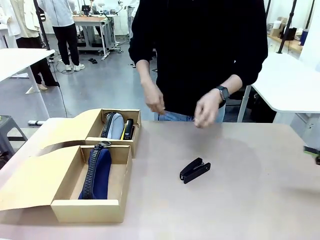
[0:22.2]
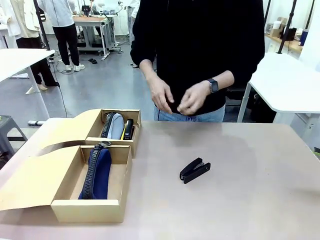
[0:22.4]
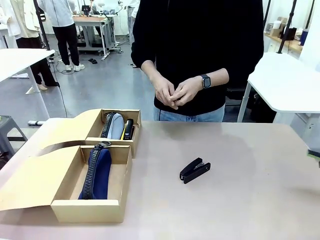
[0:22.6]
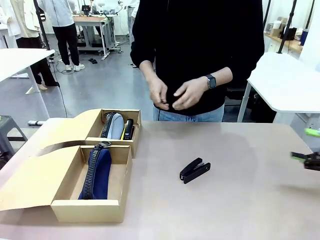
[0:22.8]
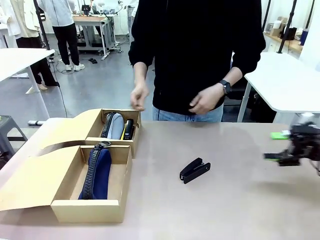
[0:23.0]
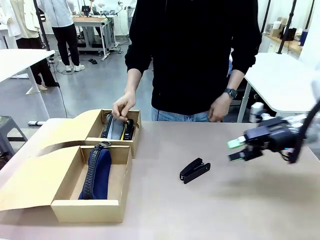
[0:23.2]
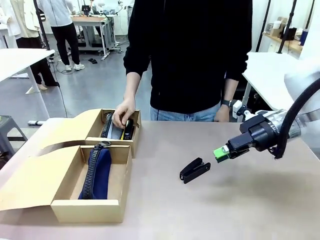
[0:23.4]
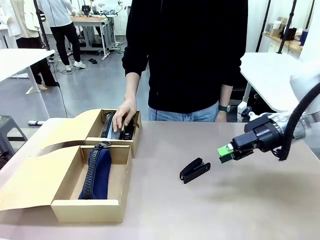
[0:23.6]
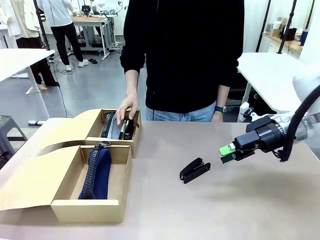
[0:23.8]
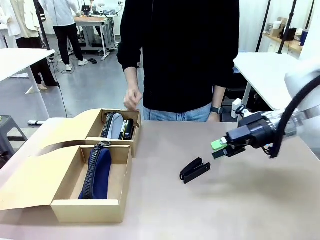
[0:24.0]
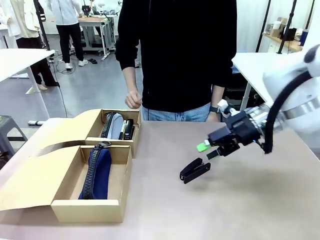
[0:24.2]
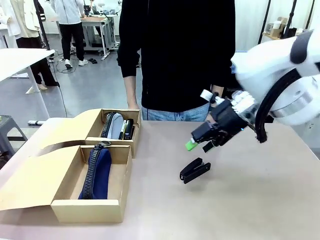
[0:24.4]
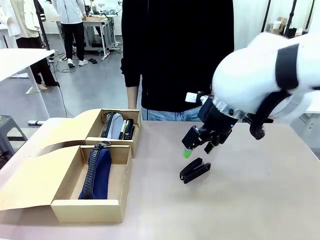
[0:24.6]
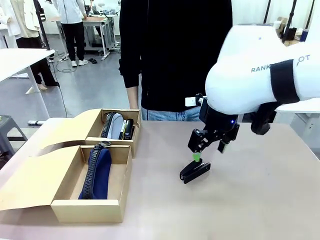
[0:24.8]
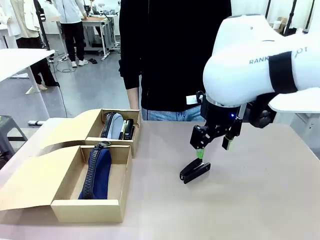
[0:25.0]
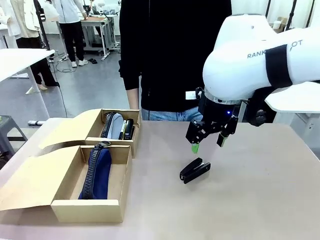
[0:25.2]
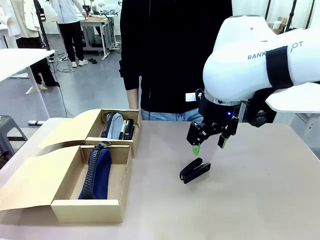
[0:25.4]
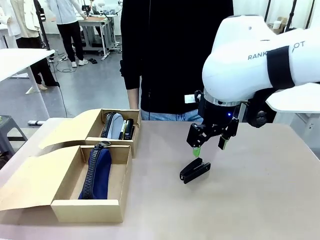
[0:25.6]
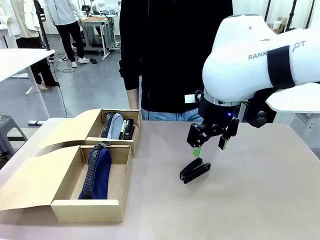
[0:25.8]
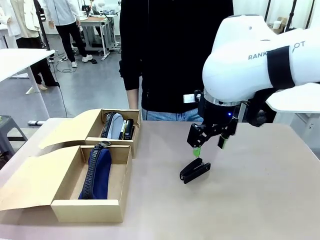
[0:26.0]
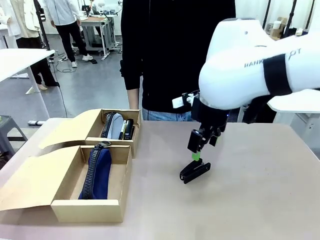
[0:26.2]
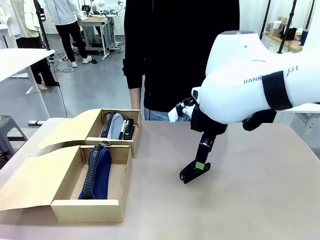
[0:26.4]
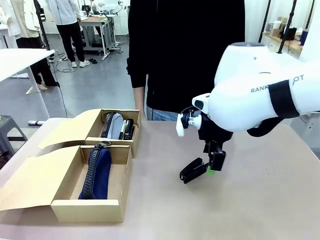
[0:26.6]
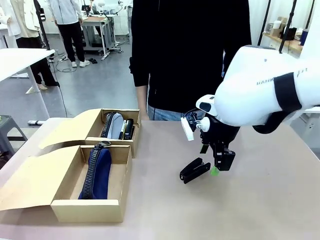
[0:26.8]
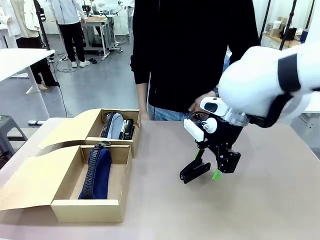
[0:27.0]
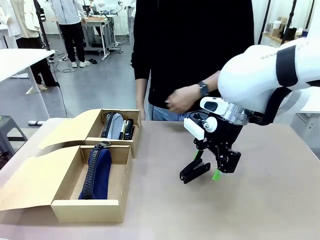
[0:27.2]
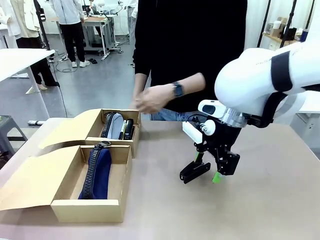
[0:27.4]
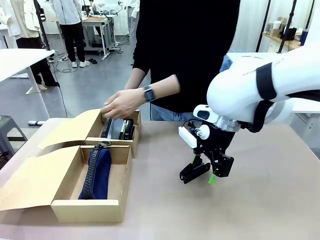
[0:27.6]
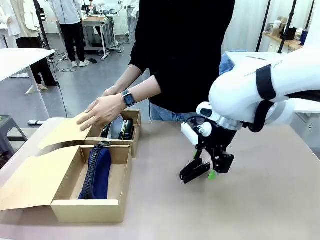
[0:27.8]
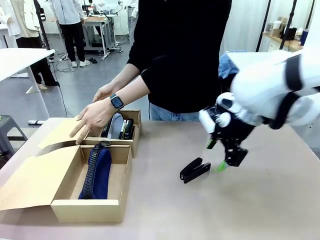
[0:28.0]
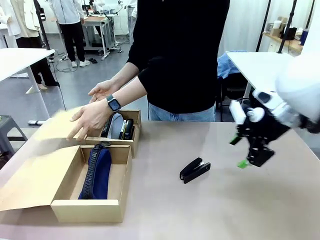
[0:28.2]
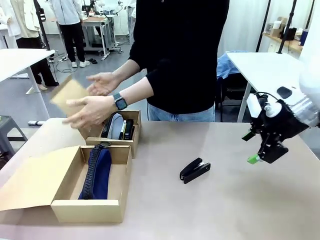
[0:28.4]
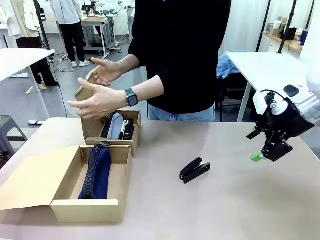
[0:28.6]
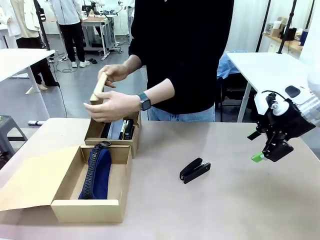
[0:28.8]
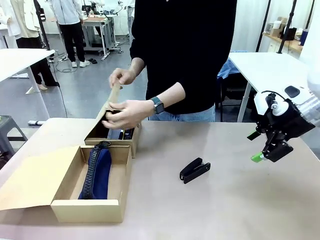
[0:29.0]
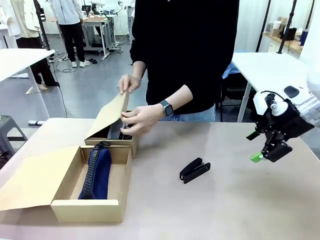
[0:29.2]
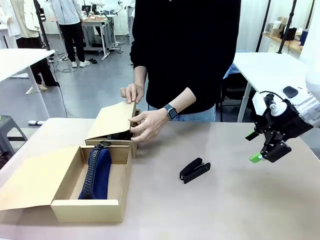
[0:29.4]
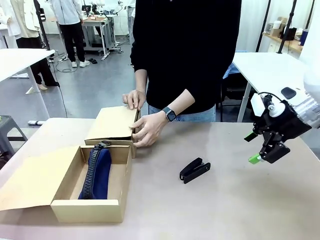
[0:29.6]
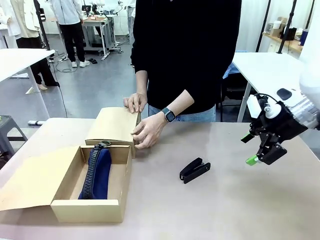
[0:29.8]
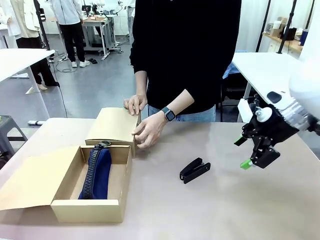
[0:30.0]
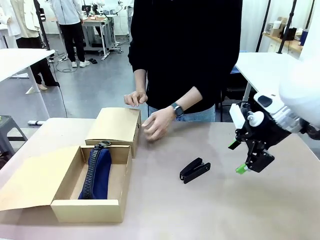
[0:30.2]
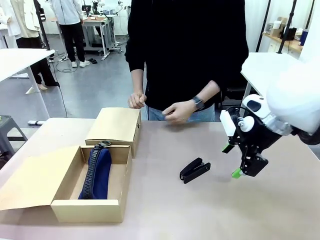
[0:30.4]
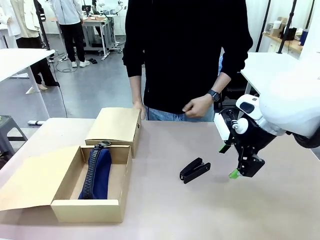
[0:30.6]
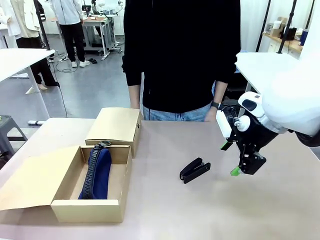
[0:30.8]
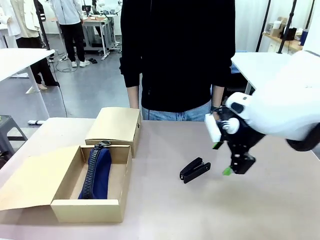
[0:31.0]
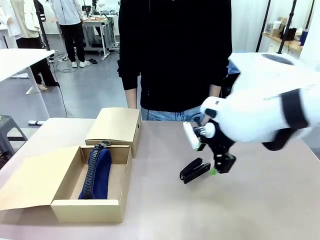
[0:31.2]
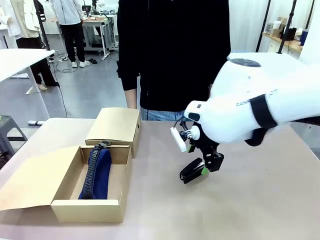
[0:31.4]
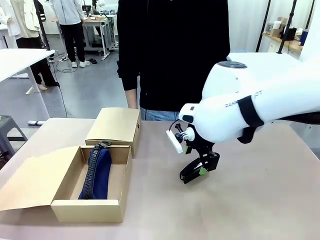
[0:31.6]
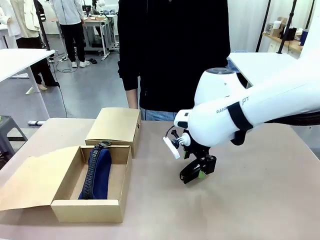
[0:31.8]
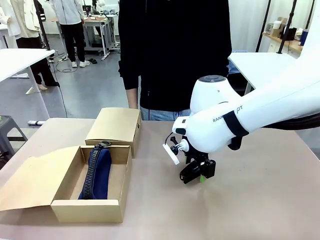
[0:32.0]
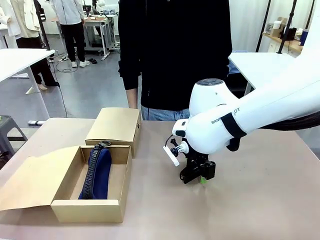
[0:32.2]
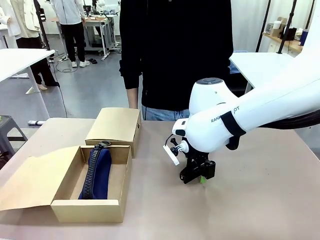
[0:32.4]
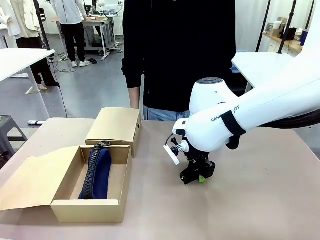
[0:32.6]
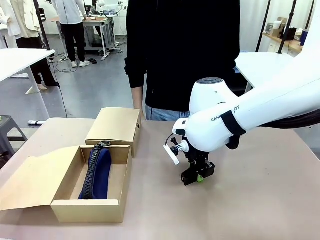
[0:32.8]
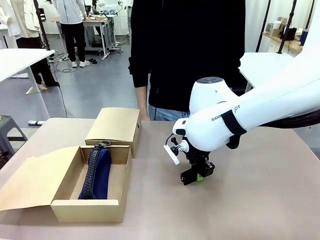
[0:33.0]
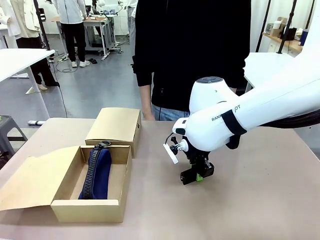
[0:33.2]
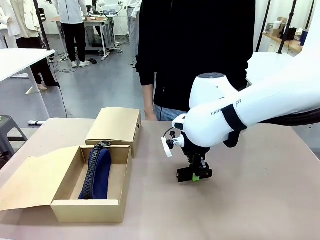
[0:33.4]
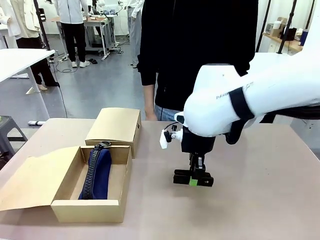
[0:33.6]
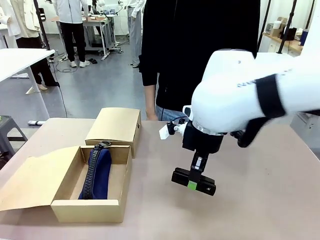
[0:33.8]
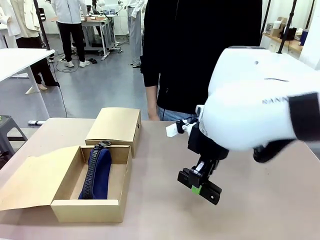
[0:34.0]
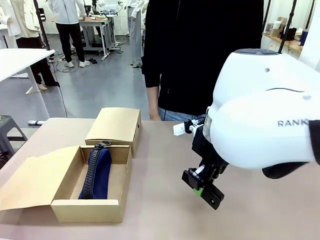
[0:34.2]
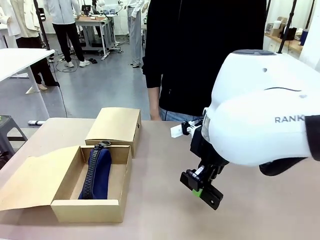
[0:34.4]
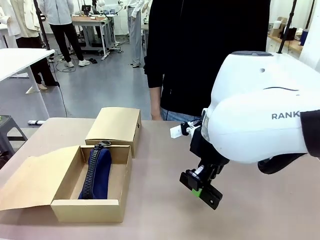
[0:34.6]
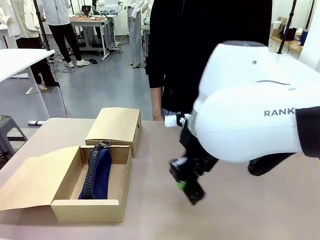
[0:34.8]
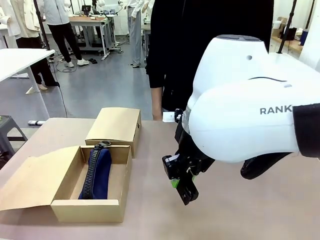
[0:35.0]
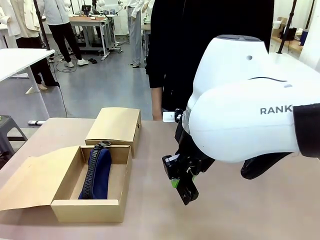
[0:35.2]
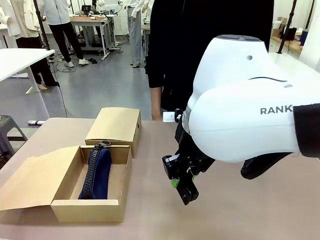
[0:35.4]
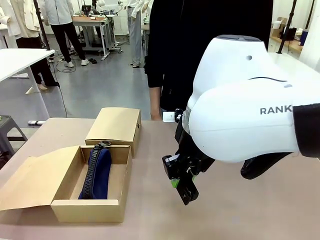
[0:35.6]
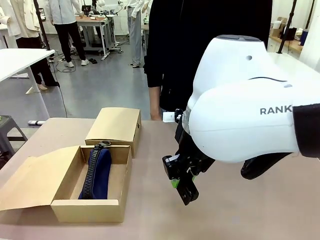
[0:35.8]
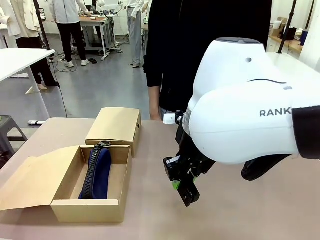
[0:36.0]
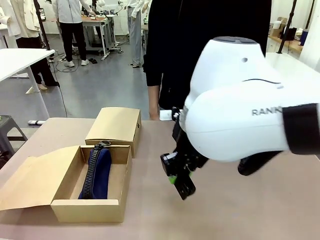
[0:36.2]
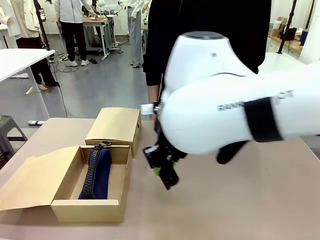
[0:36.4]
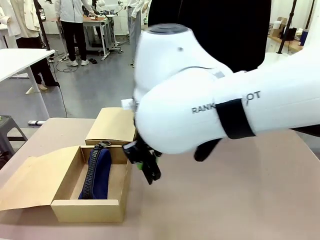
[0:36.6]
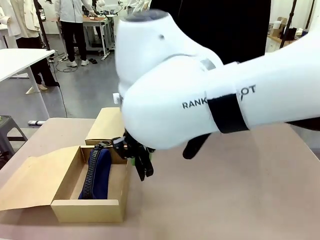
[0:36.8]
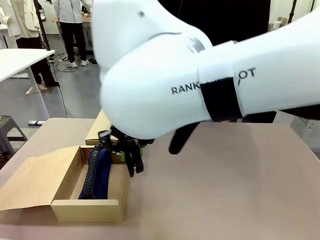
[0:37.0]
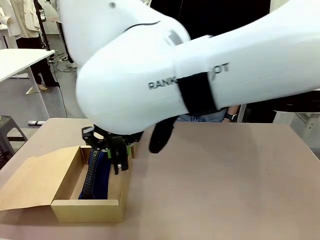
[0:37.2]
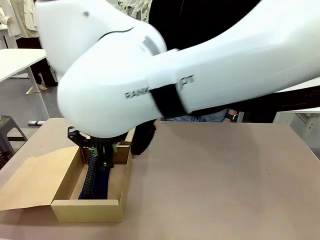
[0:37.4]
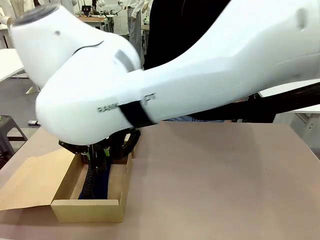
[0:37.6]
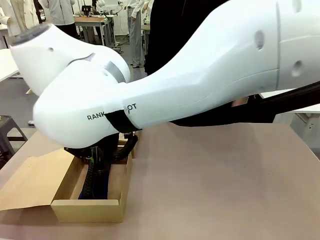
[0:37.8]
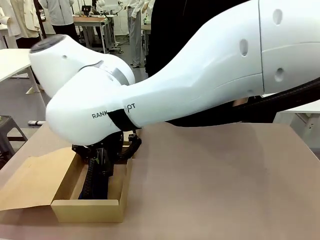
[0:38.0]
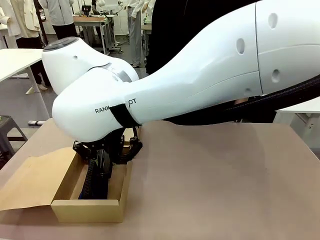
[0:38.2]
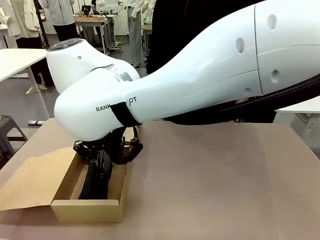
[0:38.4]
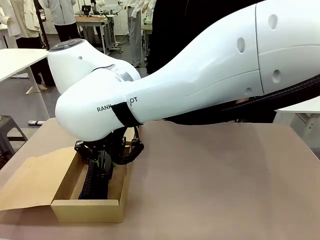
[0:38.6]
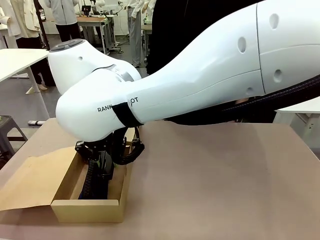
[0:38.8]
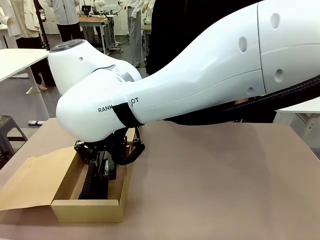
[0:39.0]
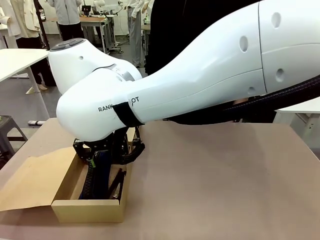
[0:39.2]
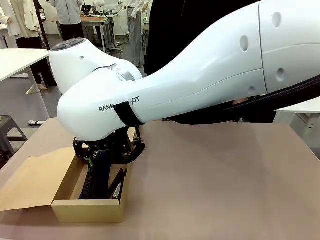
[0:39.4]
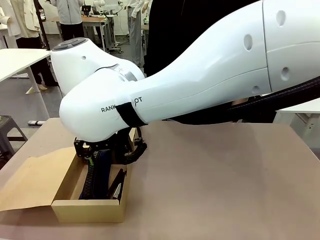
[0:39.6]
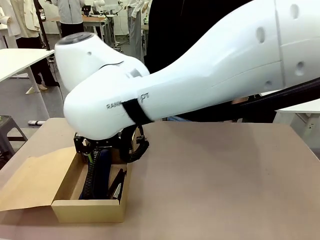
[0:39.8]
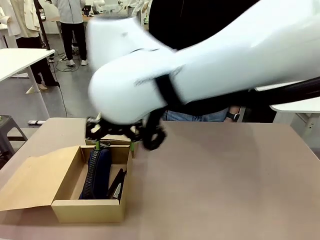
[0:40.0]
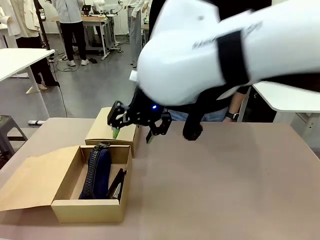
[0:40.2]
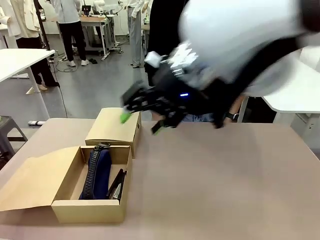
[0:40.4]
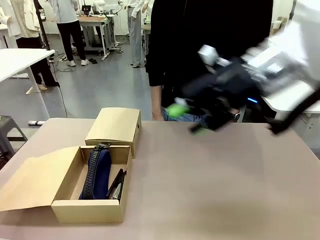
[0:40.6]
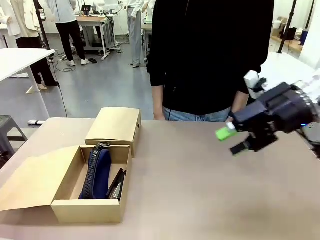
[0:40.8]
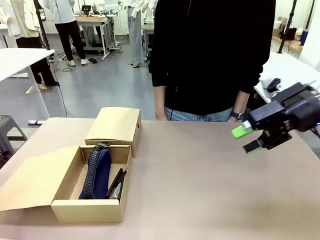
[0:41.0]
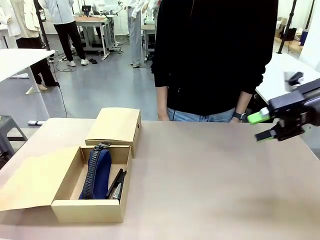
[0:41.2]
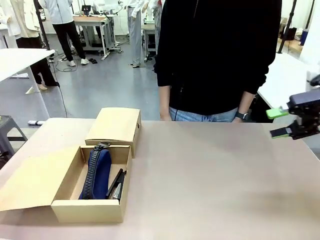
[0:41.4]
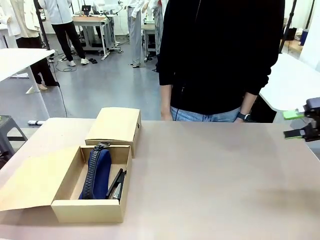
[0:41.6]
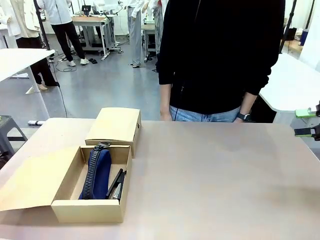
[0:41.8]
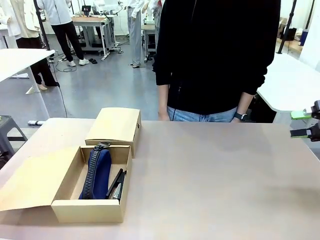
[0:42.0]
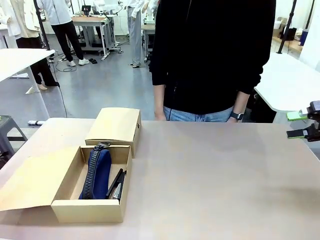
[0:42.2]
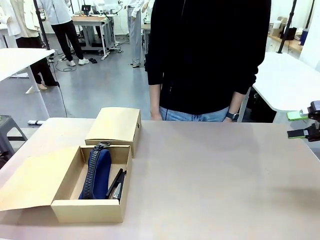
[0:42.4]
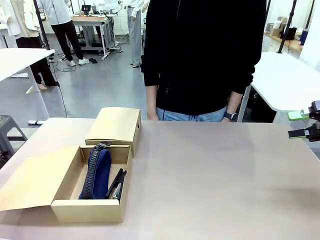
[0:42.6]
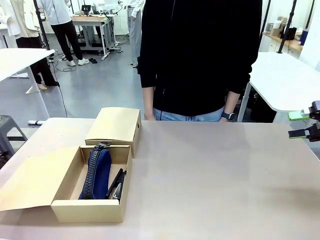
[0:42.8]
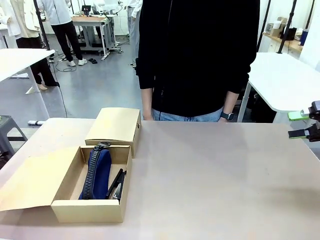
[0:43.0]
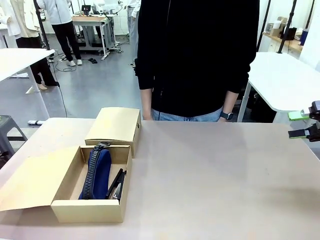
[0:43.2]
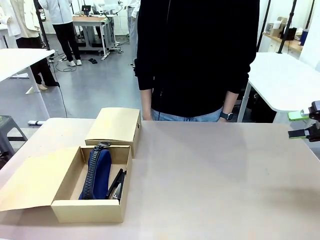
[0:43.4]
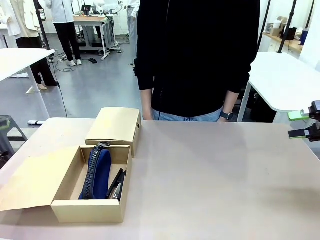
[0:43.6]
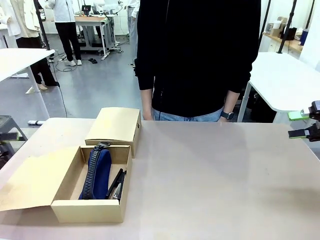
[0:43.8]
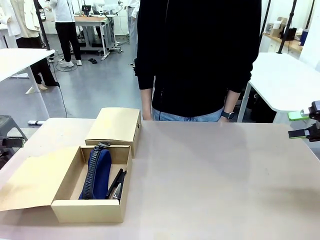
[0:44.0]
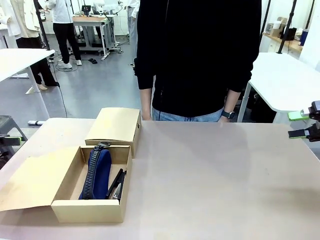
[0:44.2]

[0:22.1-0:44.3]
Task: Place items inside the box.
Robot: Pick up a Pencil pouch or Stapler and place it inside the Mailer Box closest to the robot.
Person: Close the lid of the box facing the person.
